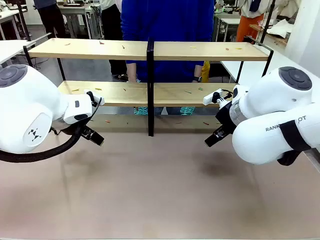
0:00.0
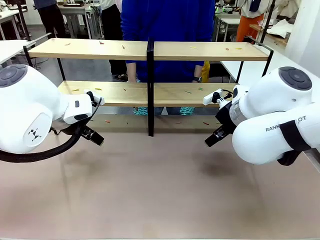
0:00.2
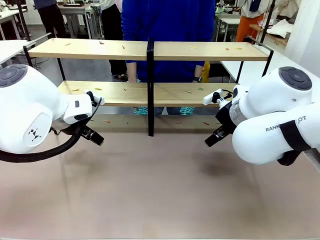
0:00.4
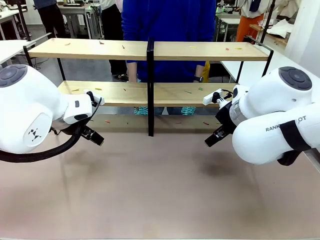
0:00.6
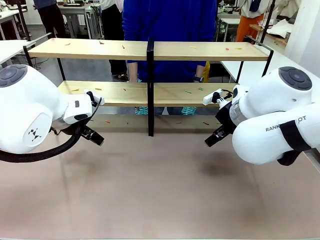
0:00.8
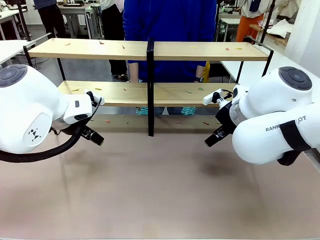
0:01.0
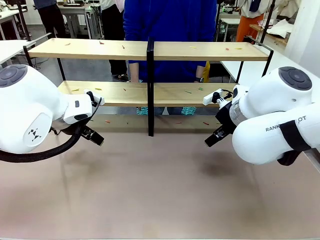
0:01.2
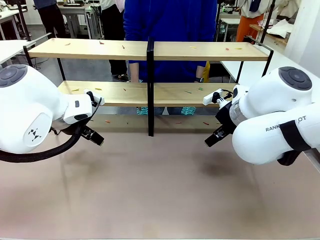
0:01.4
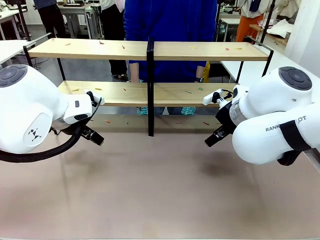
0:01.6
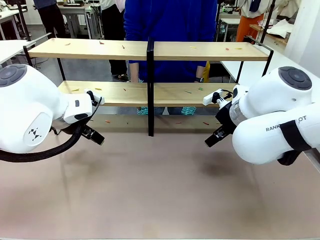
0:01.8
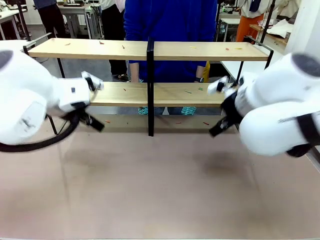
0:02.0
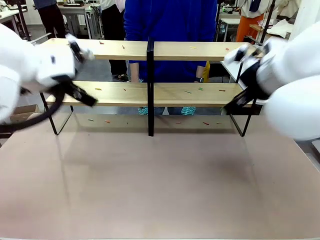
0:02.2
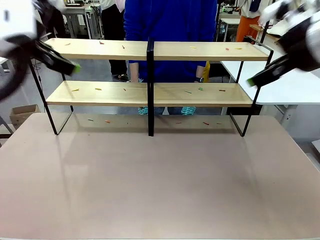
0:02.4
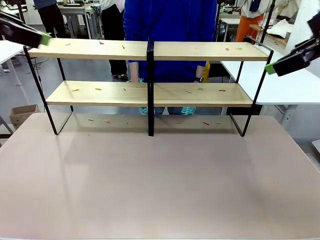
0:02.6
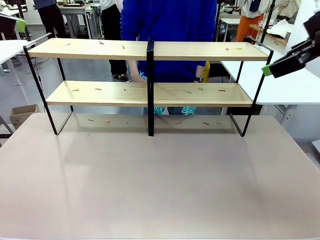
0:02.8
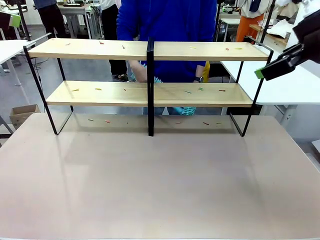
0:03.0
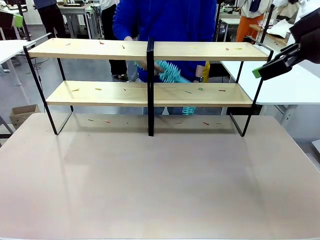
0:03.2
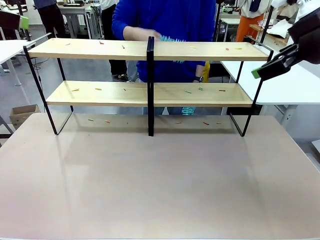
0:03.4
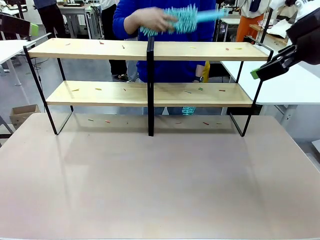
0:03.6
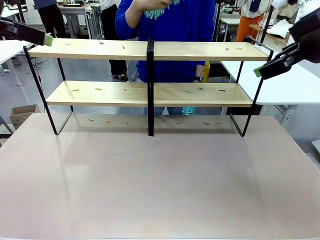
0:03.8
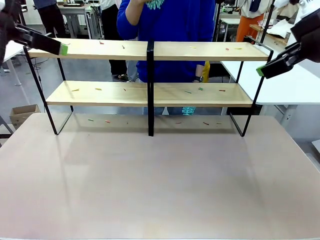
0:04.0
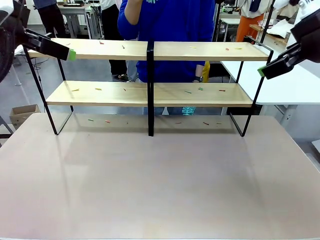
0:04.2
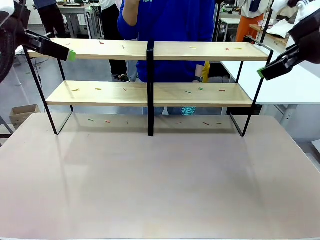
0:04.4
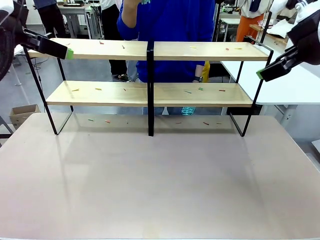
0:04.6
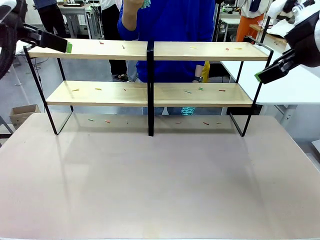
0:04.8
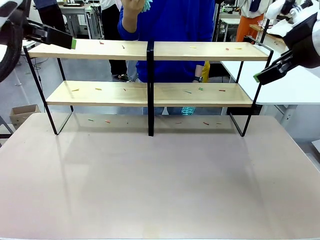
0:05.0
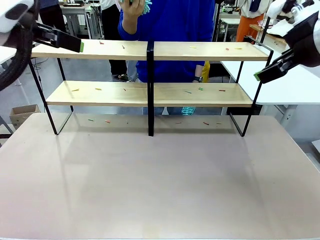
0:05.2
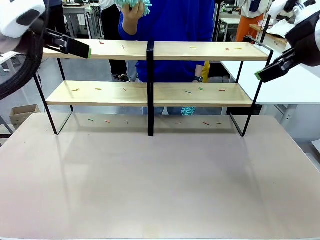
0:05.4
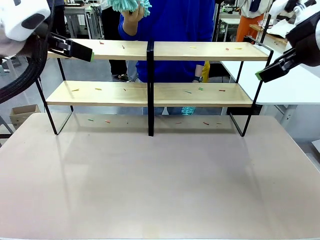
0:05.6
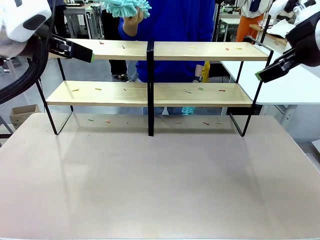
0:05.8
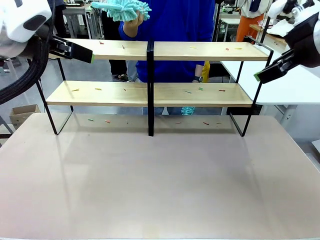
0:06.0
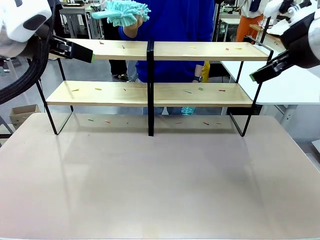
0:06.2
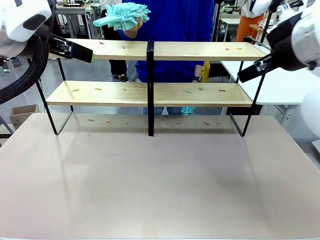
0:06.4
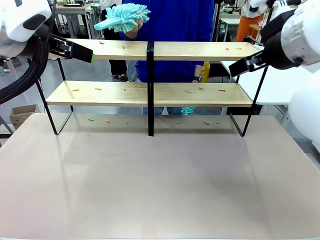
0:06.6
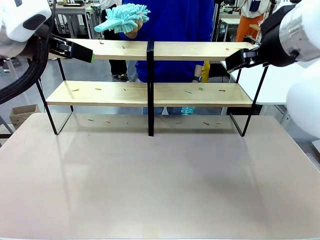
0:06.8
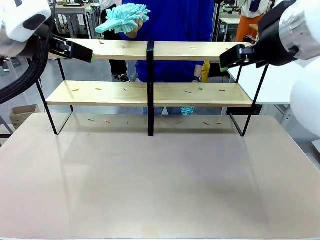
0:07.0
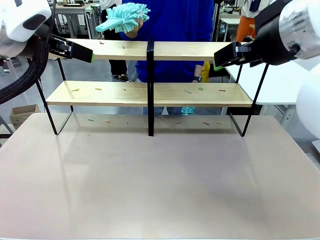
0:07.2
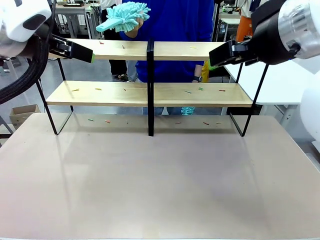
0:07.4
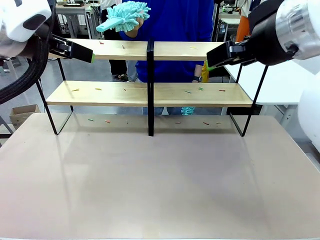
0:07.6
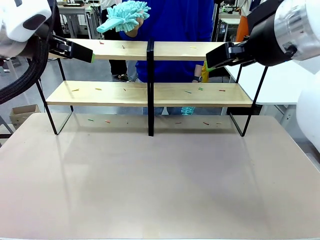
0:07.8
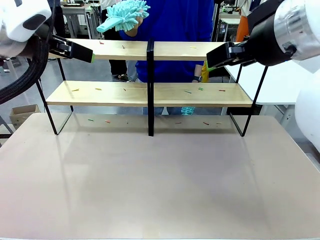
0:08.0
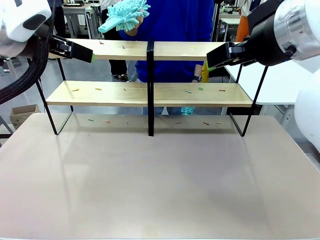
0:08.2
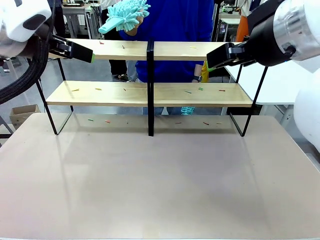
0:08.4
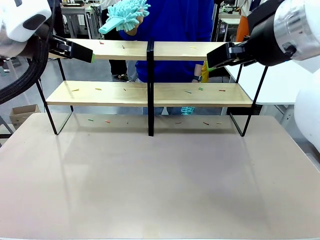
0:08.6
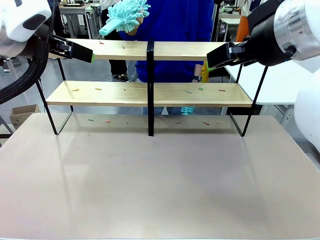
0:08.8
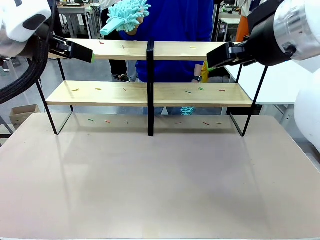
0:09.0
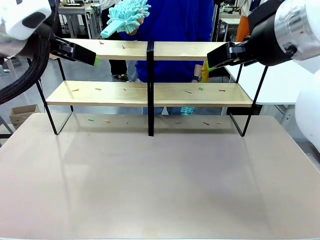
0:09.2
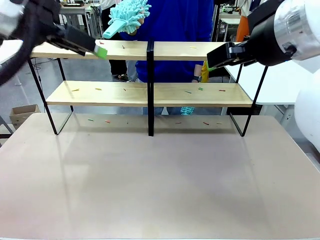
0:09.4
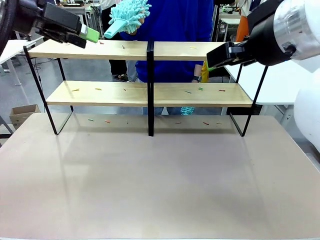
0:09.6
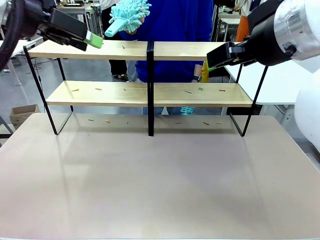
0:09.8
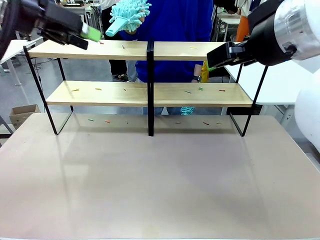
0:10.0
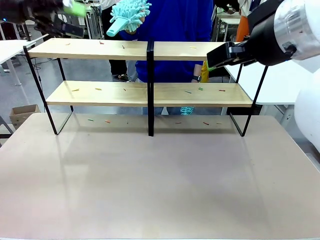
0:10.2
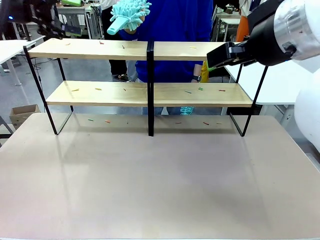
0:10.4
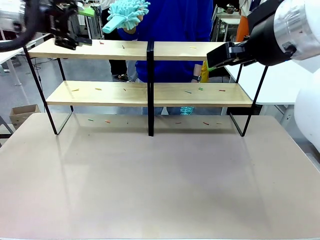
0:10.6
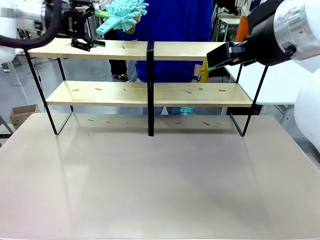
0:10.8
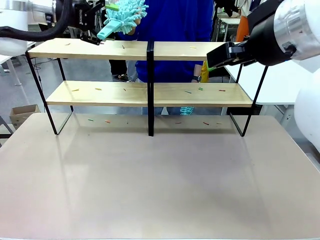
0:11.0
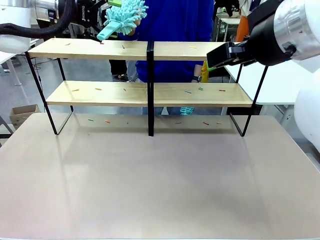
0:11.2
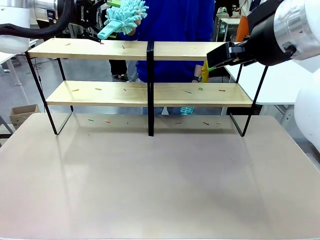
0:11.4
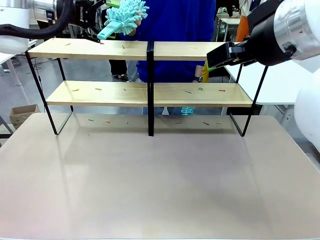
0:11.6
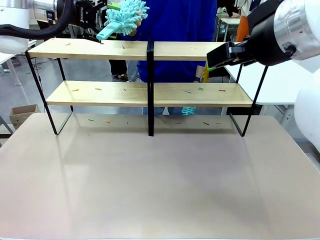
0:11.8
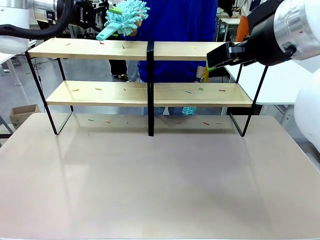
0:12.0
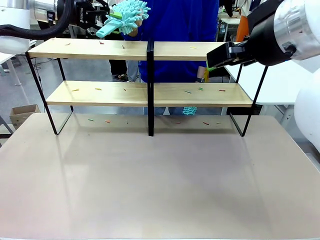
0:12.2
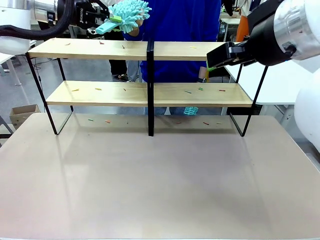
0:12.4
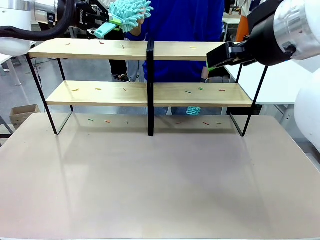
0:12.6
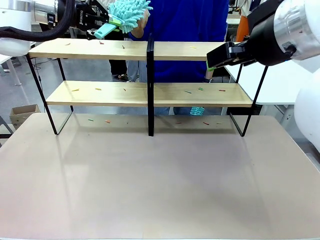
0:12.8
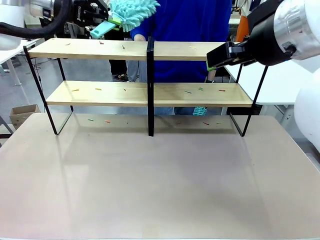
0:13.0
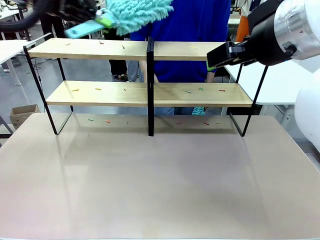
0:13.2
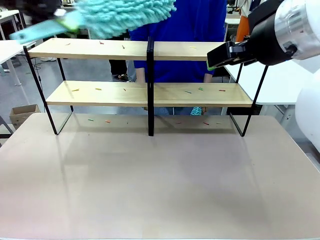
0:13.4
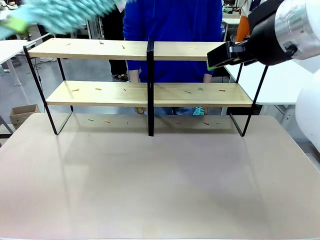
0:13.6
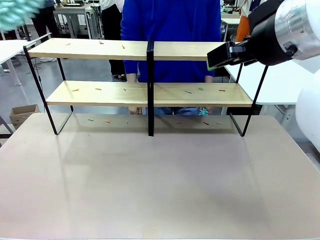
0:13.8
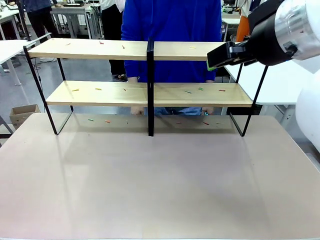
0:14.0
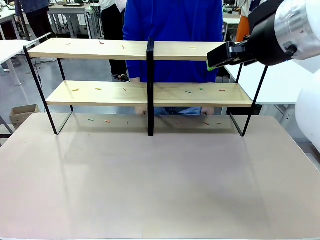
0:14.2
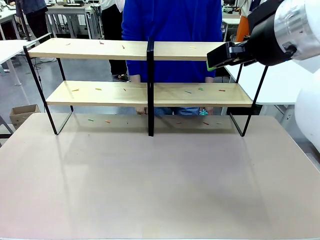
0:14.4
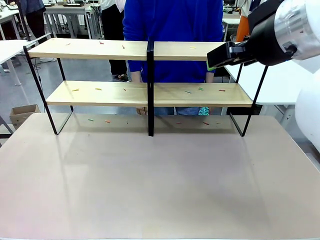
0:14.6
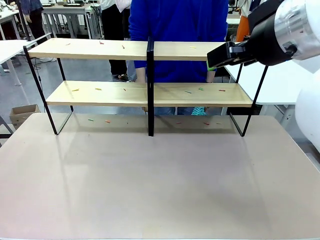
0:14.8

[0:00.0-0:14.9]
Task: Clean the shelves.
Robot: Pick up the Duster when the human hands it over.
Person: Hand the Duster to the robot with your right (or left) hand.

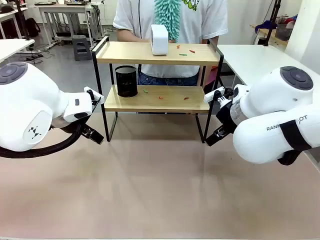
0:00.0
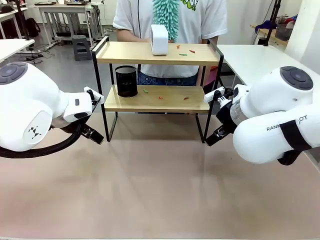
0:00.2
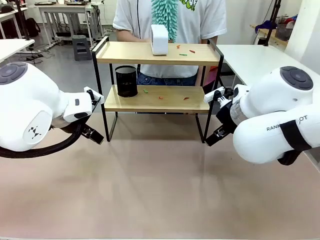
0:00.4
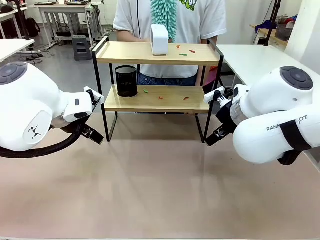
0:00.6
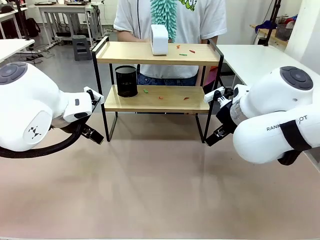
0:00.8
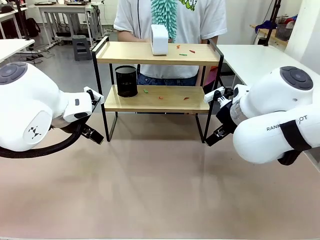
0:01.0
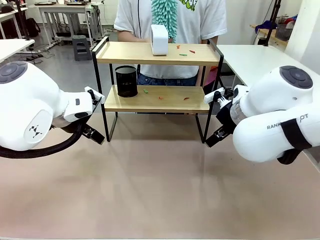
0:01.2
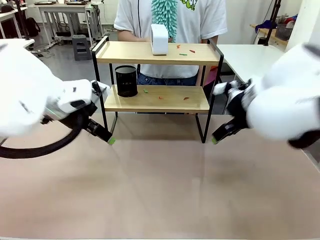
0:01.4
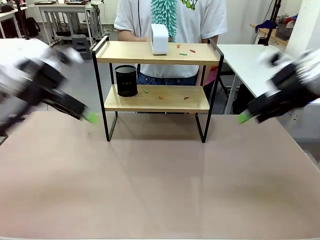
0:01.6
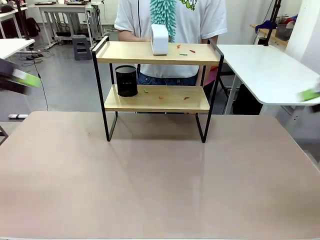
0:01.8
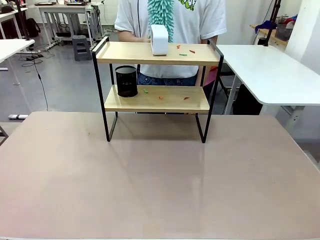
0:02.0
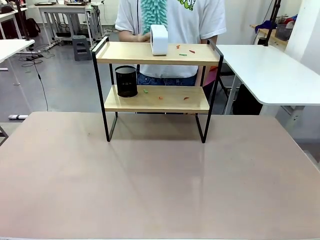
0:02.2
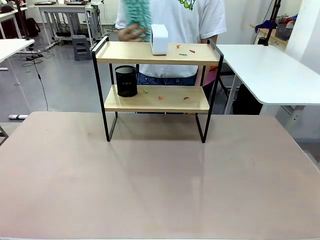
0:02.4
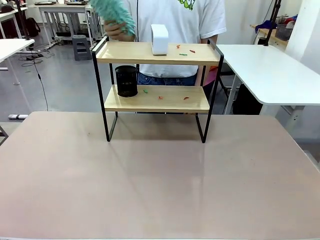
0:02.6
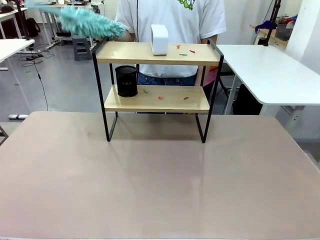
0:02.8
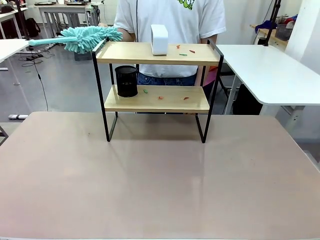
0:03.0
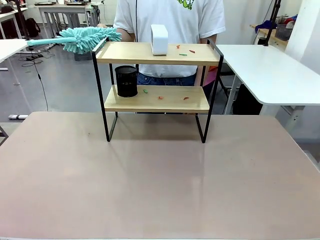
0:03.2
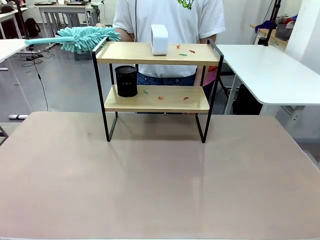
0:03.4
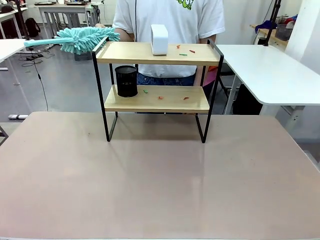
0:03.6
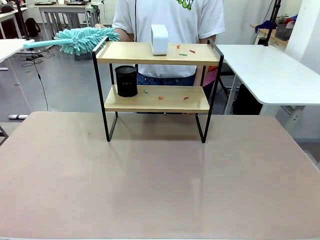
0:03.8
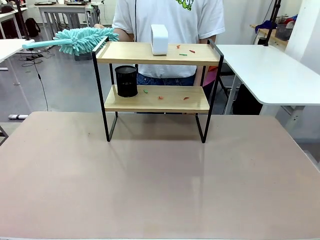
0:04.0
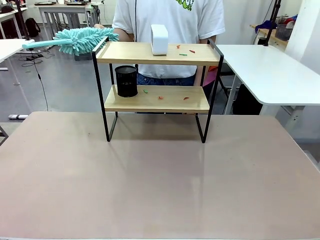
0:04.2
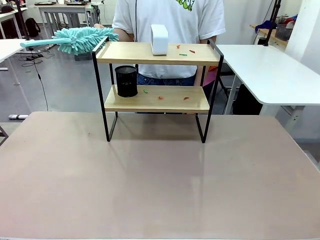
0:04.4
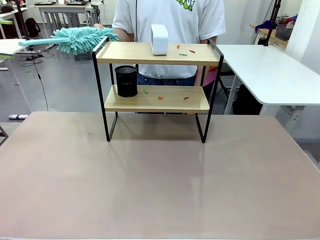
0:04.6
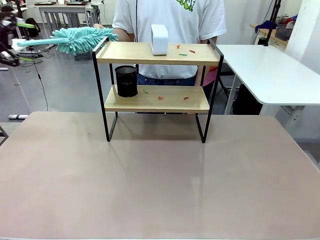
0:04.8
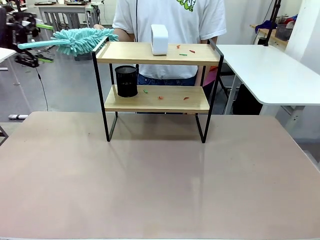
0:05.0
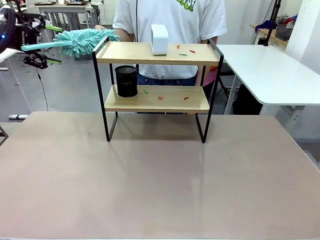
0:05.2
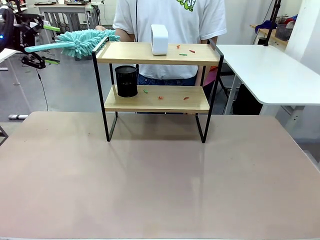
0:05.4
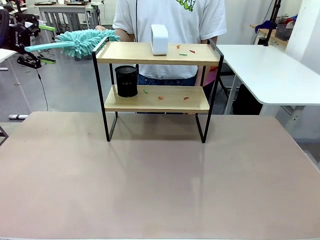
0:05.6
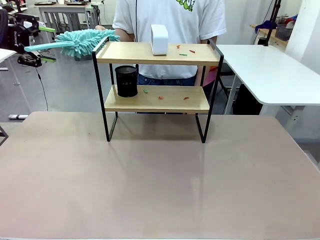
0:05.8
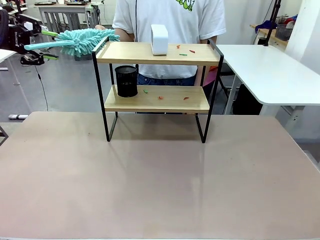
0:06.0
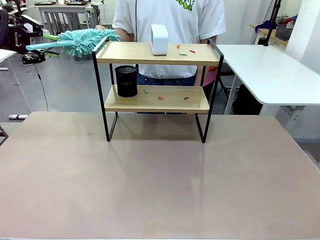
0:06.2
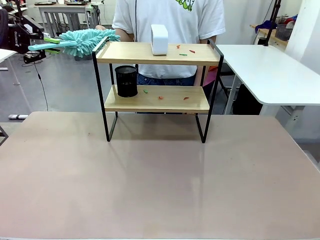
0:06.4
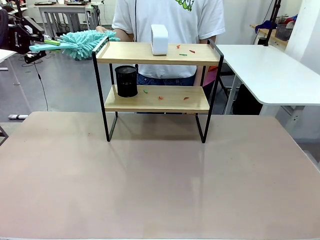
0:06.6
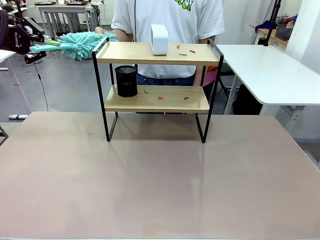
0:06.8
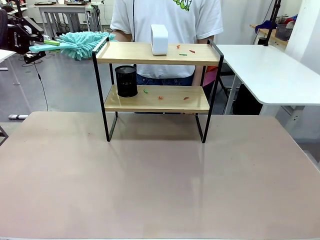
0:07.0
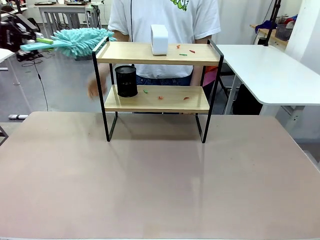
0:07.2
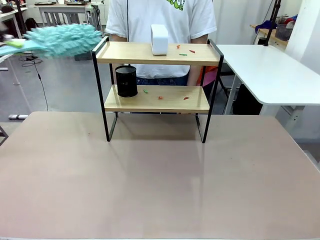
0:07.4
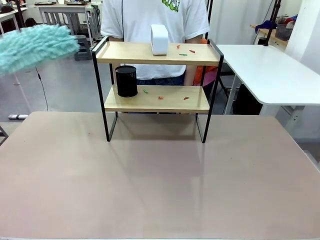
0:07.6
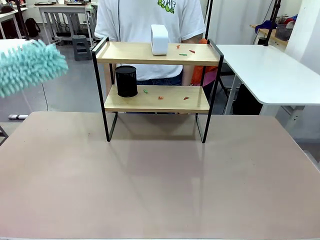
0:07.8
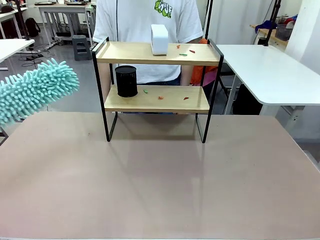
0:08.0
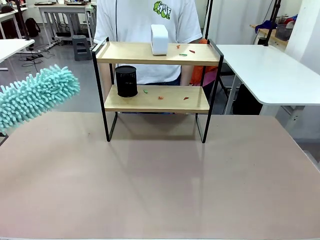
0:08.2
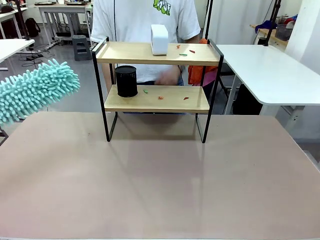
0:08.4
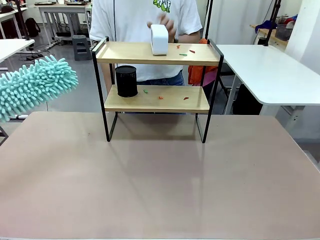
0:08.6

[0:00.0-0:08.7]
Task: Clean the shelf.
Robot: Pick up the Duster from the human.
Person: Hand the Duster to the robot.
